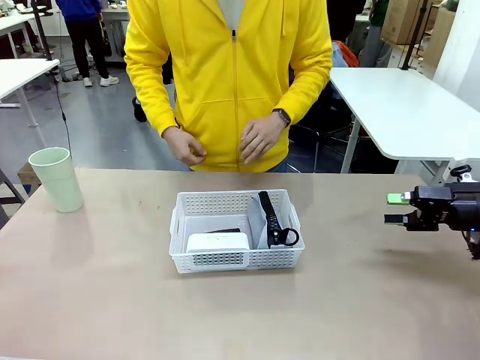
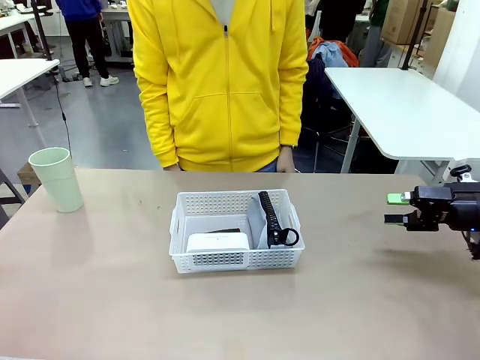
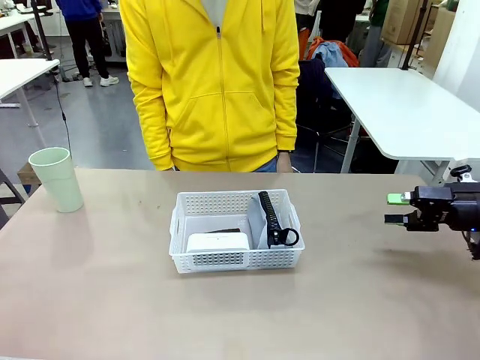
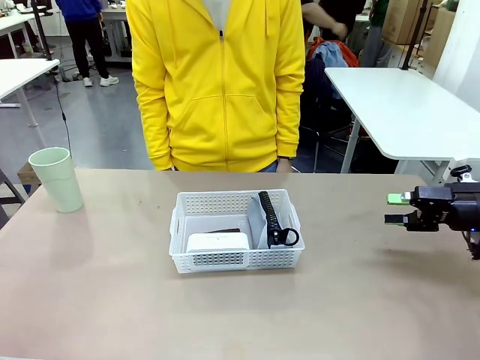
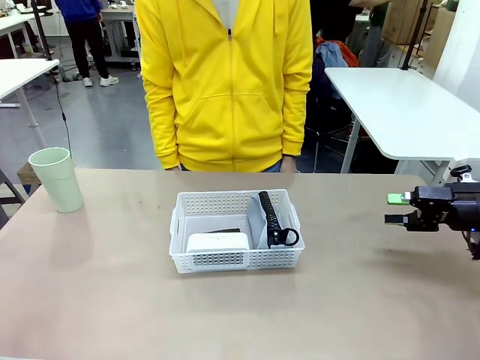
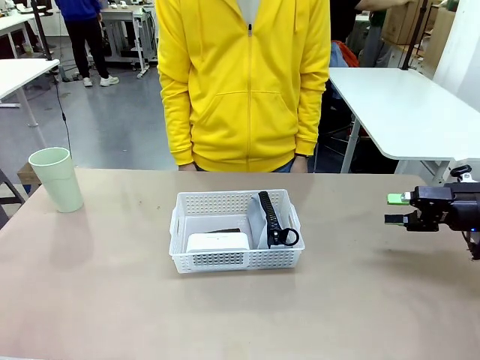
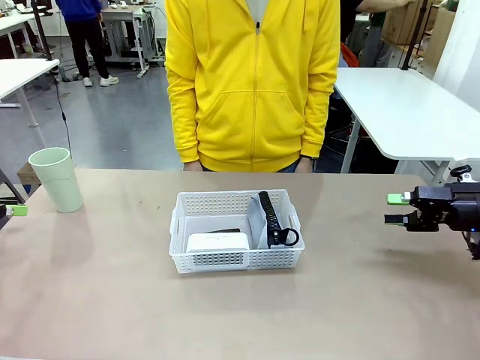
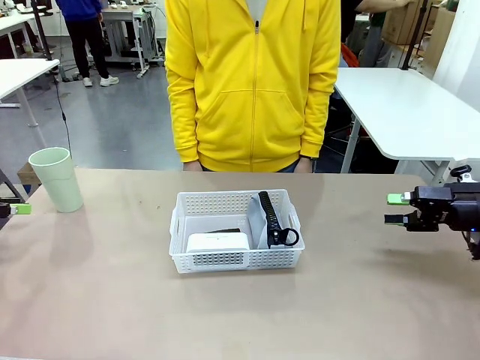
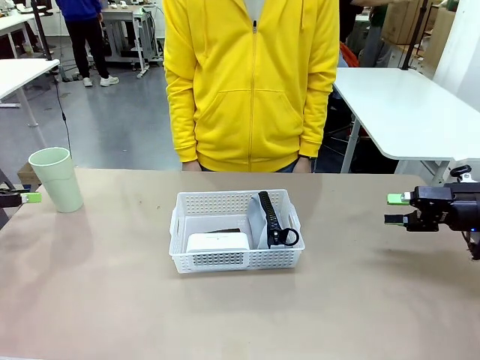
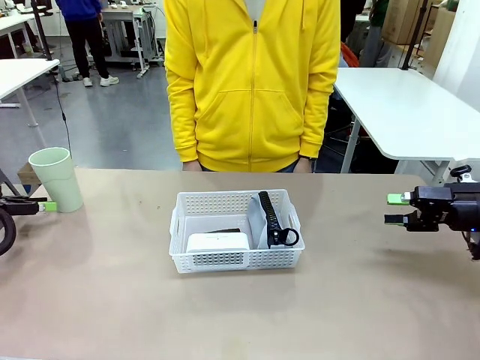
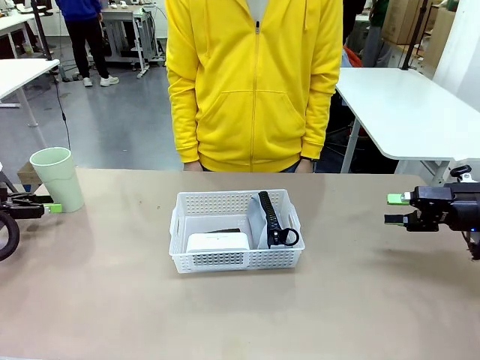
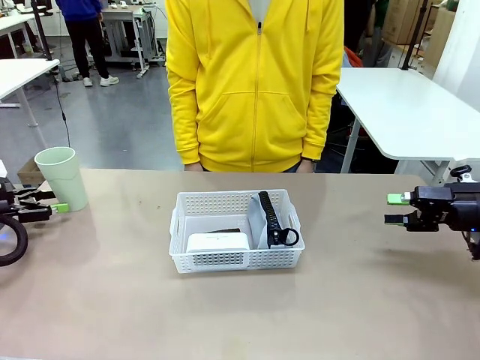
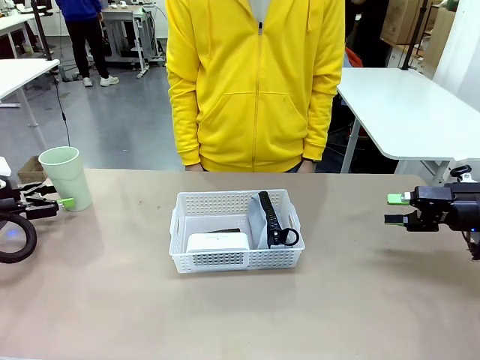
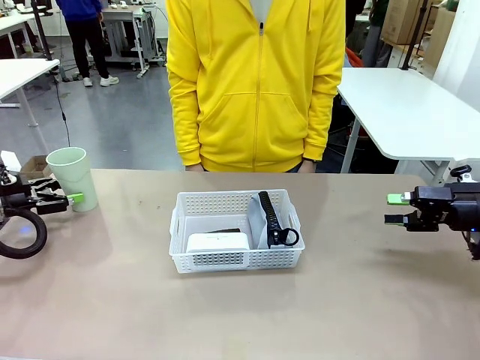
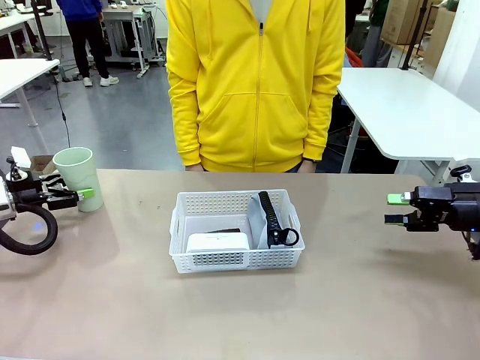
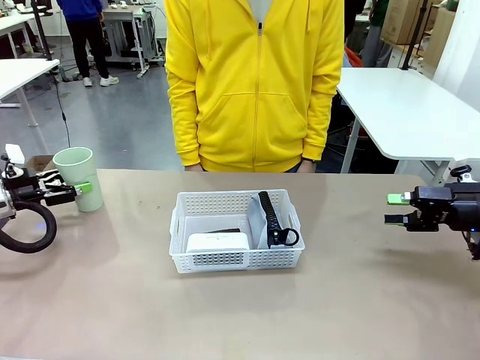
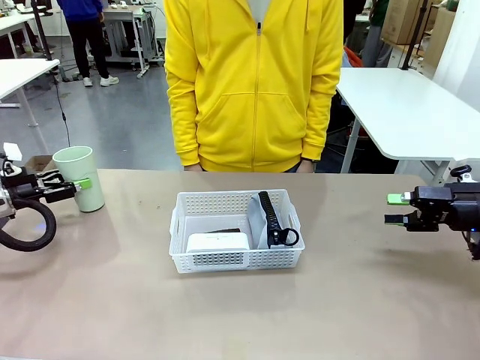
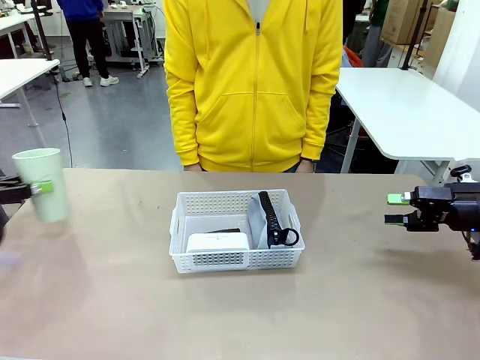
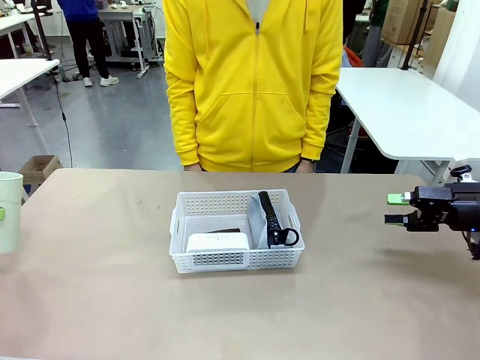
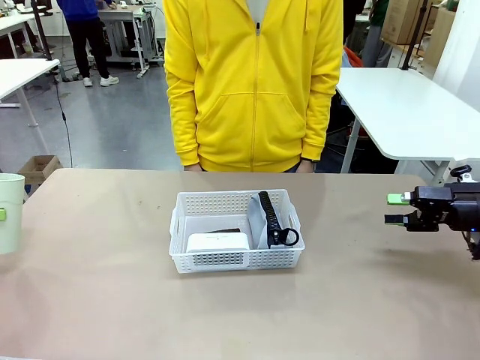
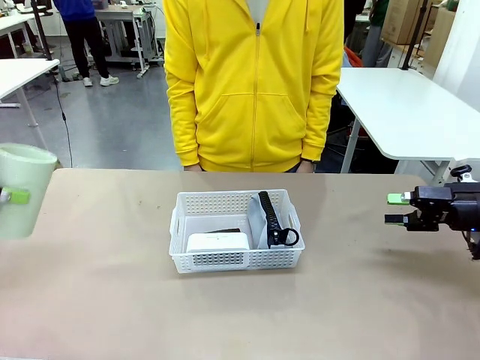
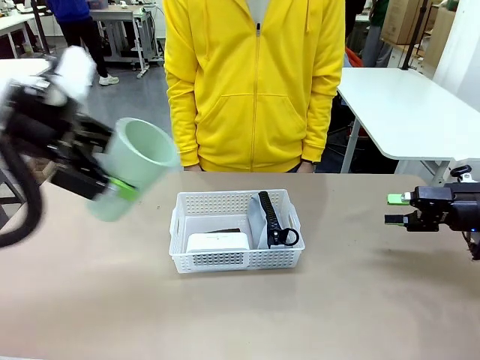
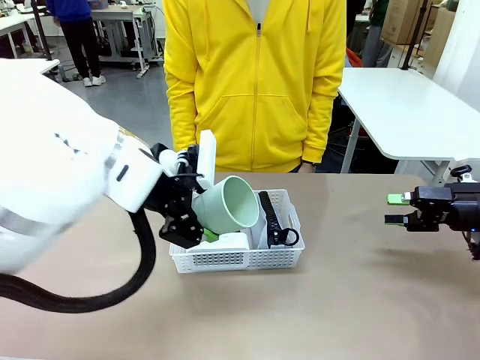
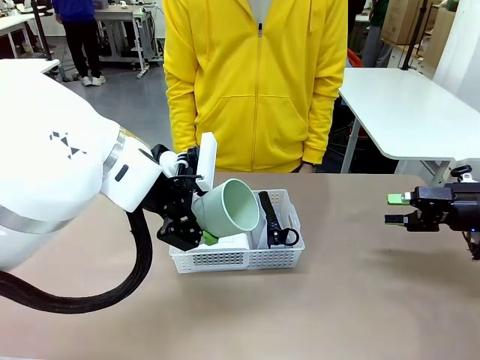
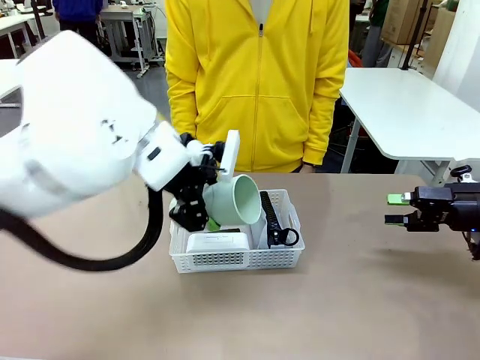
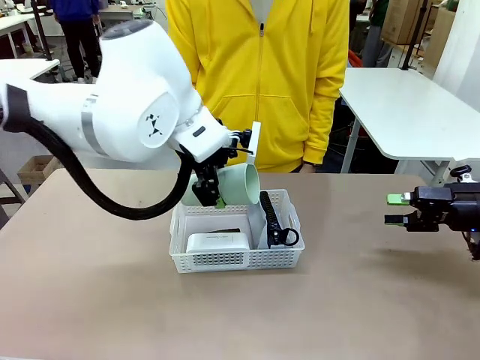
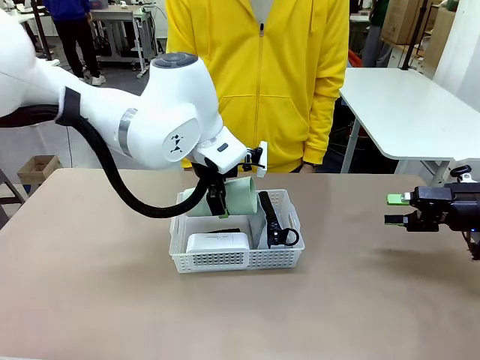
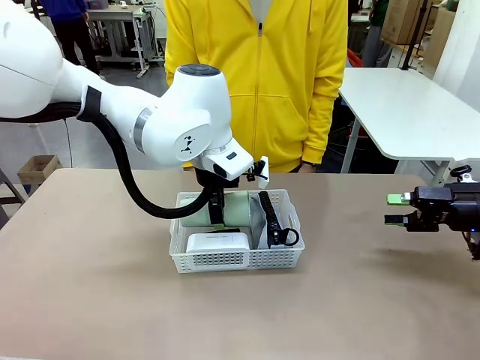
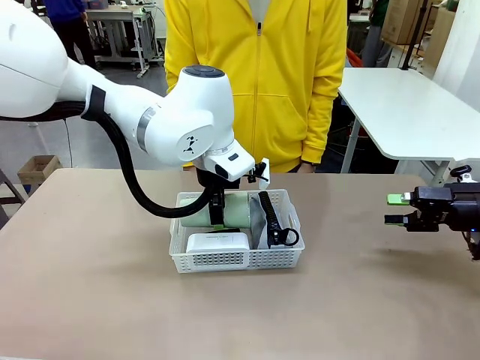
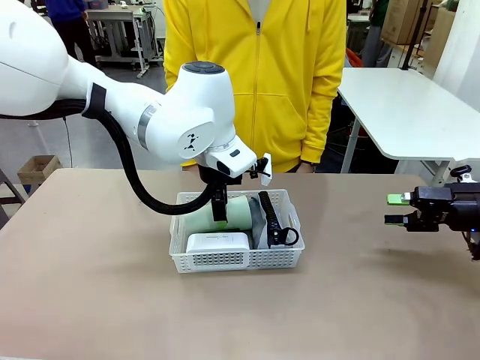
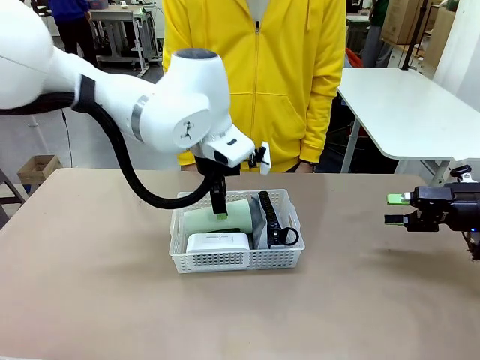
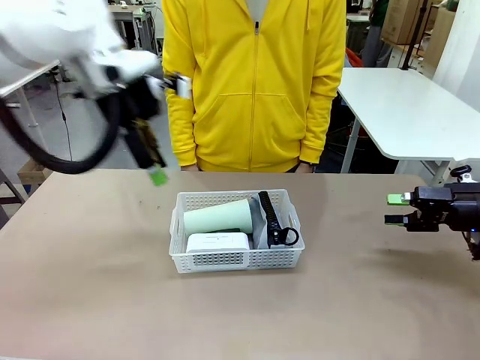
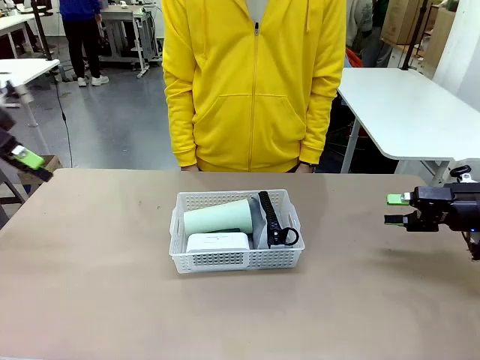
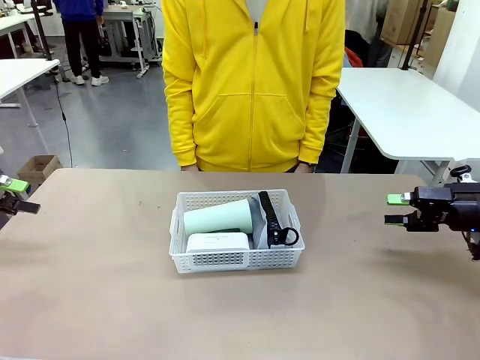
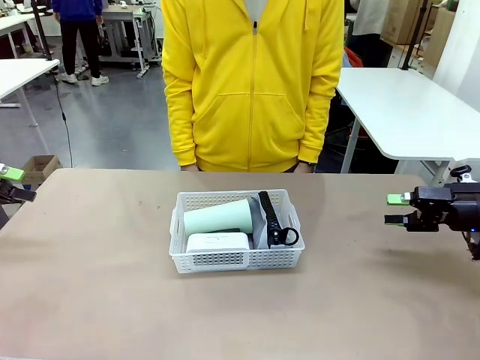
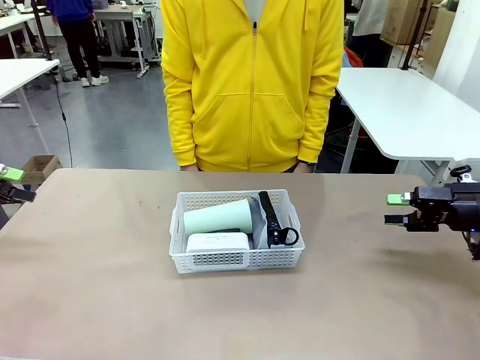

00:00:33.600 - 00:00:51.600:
Task: Efficiently arrange items inside the basket to fit them all.
Robot: Pick up the Reusable plastic cup and place it inside the Organizing basket.
Person: Repositions the stapler.

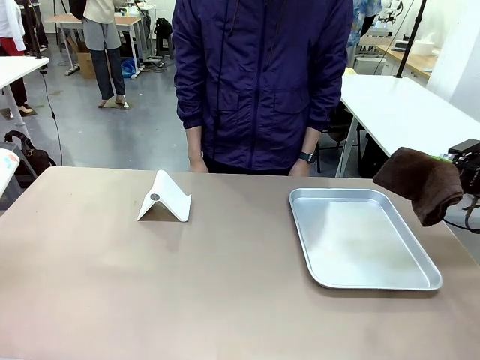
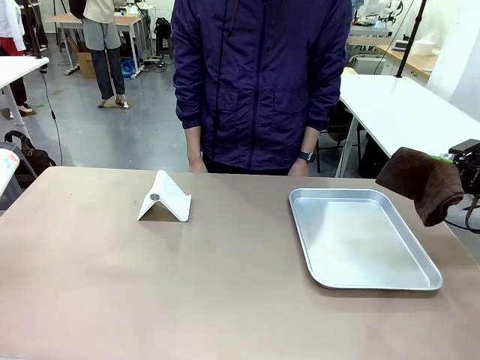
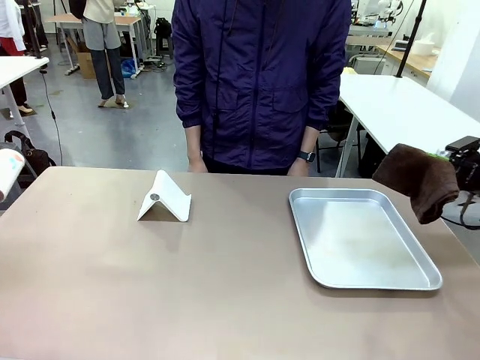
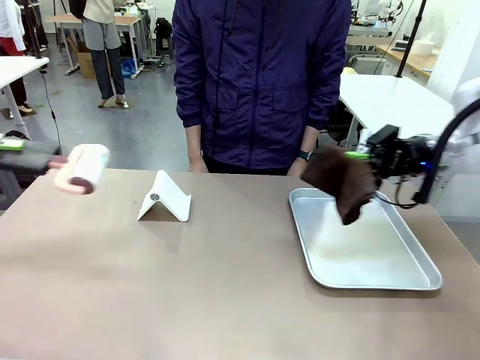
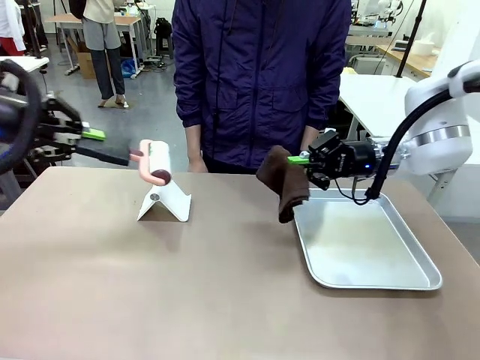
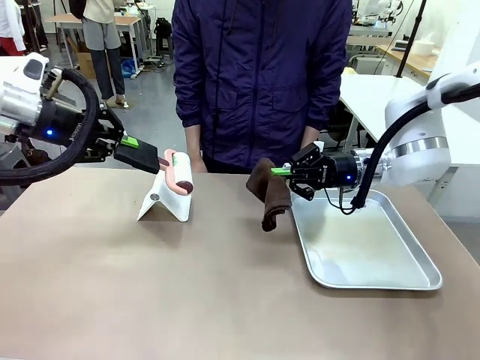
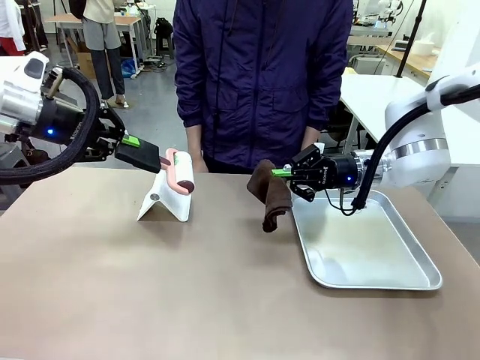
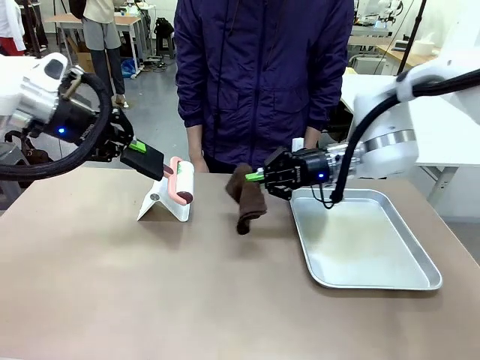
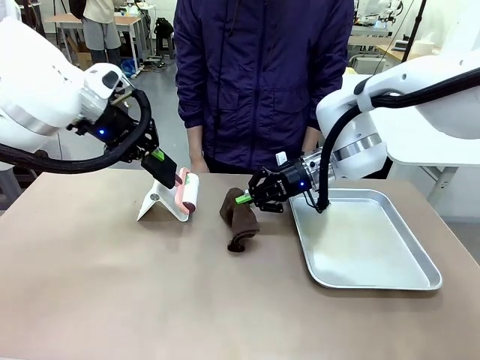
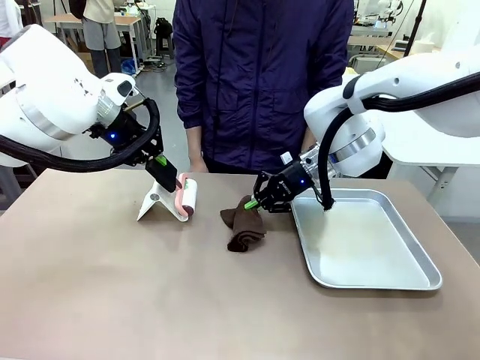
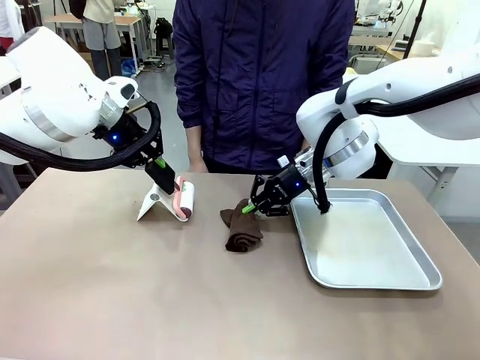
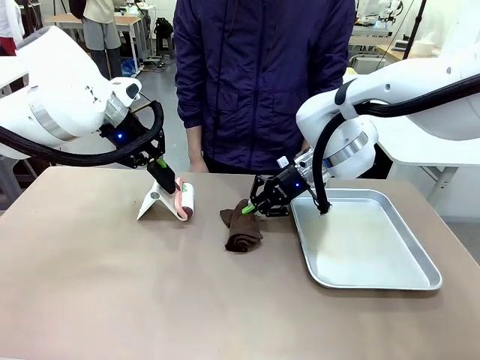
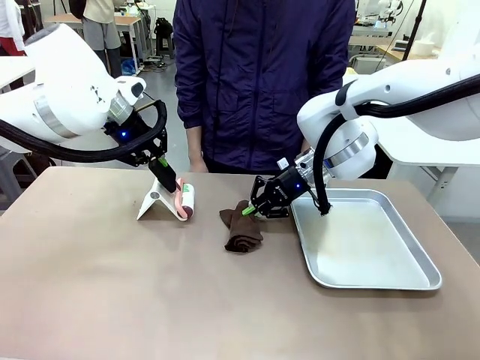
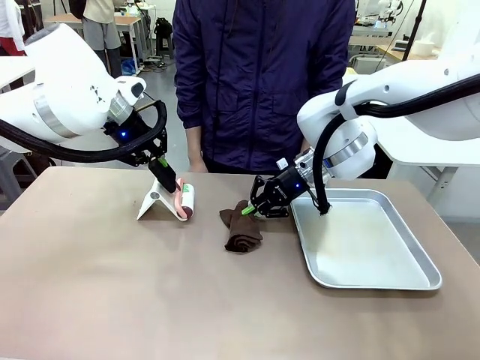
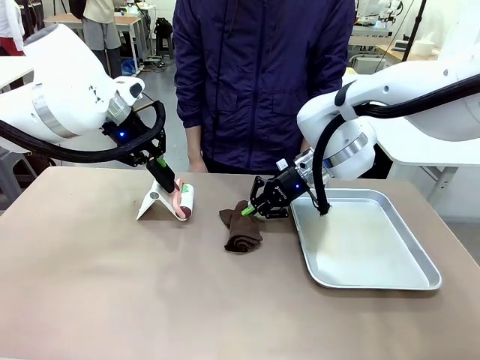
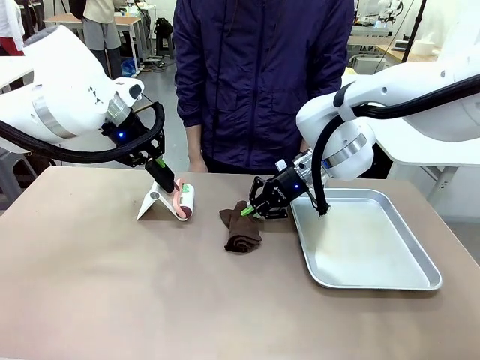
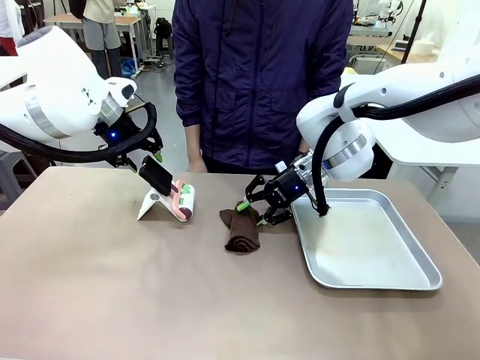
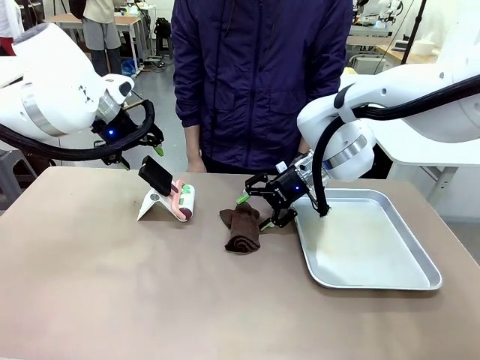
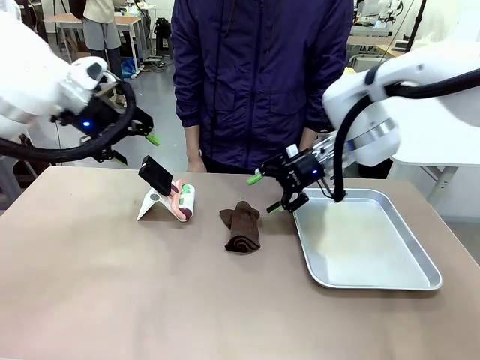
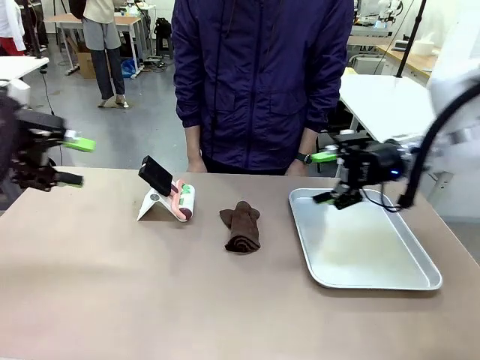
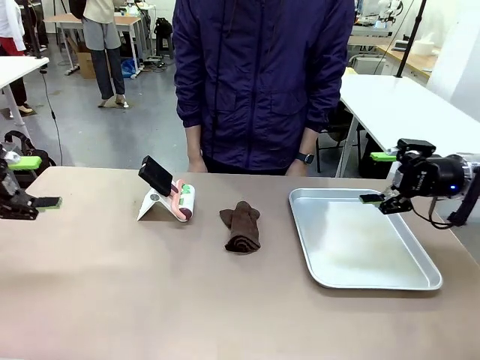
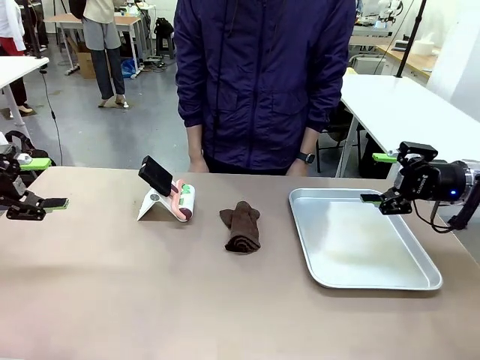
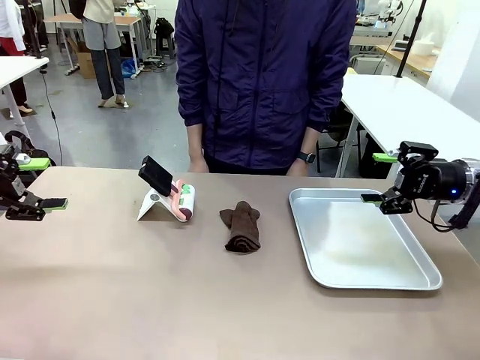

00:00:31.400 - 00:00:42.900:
Task: Clean the surface of the table.
Robot: Return the Lint Roller and towel to their original positions.
